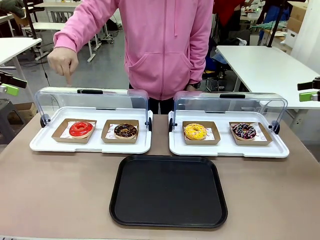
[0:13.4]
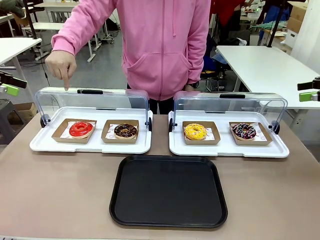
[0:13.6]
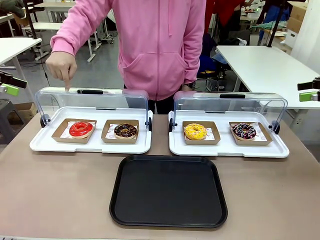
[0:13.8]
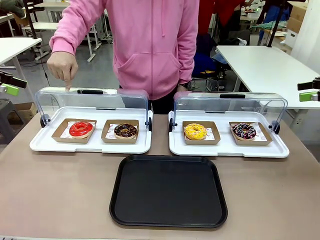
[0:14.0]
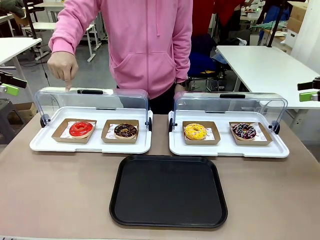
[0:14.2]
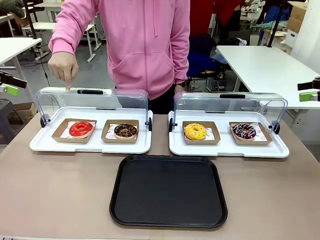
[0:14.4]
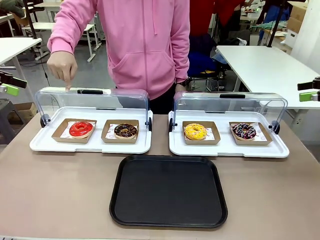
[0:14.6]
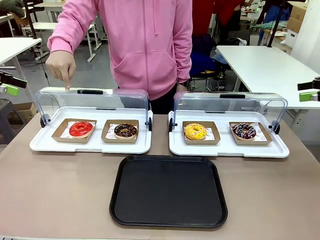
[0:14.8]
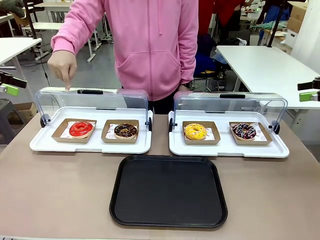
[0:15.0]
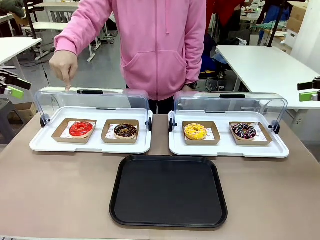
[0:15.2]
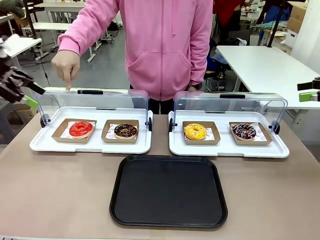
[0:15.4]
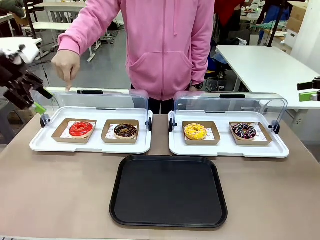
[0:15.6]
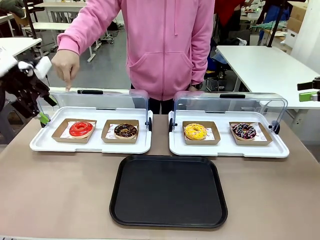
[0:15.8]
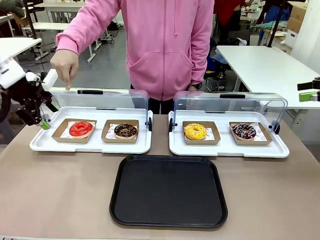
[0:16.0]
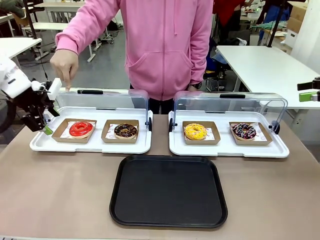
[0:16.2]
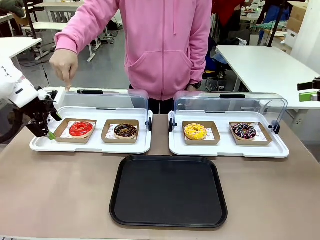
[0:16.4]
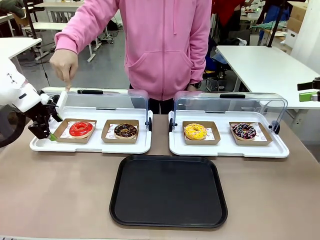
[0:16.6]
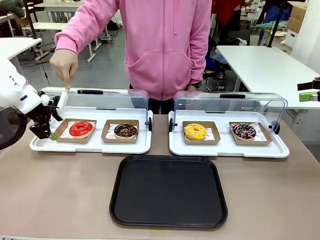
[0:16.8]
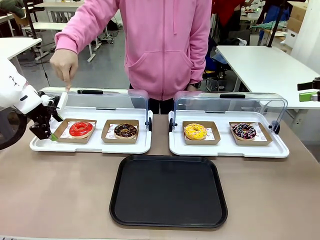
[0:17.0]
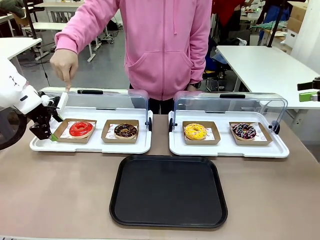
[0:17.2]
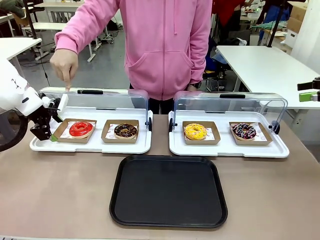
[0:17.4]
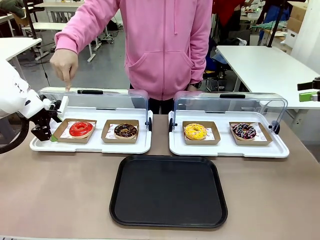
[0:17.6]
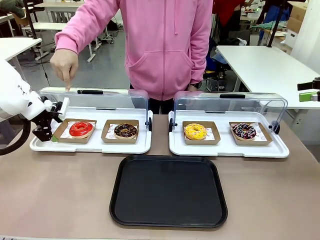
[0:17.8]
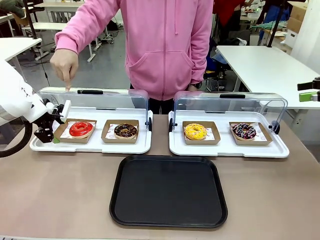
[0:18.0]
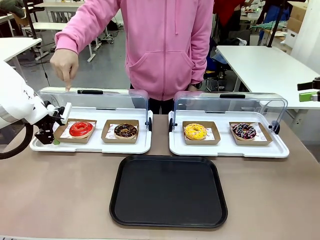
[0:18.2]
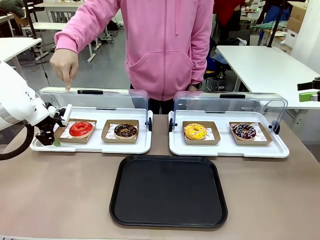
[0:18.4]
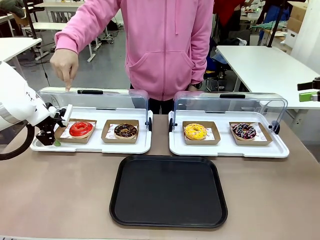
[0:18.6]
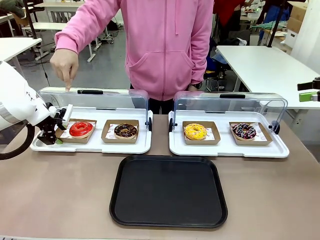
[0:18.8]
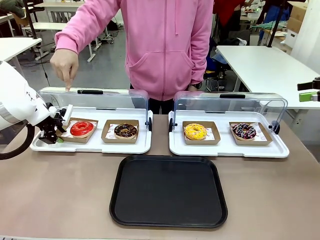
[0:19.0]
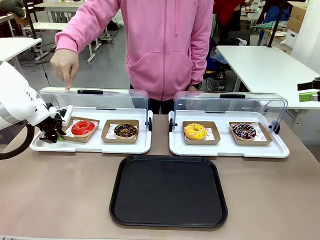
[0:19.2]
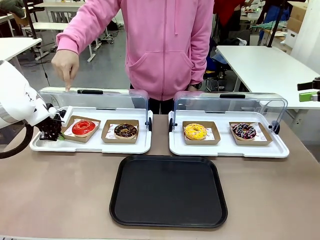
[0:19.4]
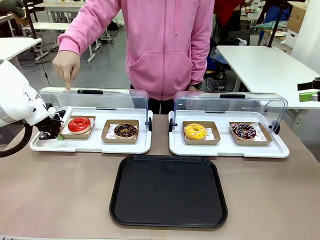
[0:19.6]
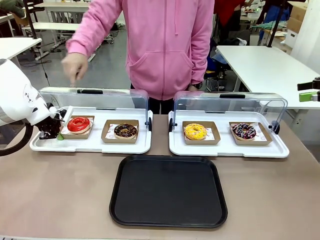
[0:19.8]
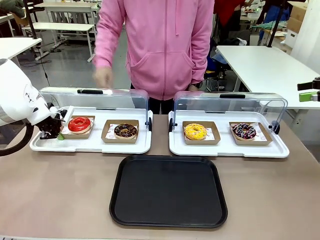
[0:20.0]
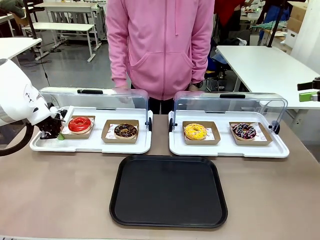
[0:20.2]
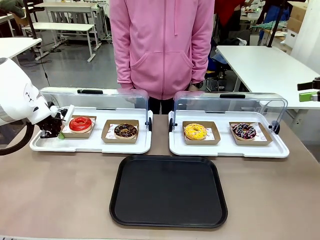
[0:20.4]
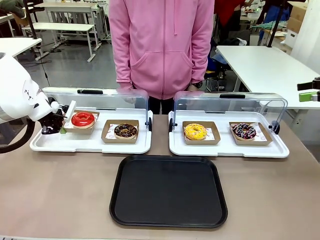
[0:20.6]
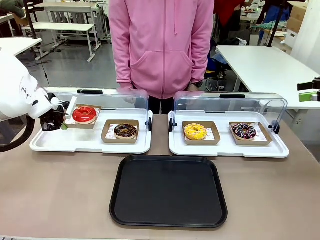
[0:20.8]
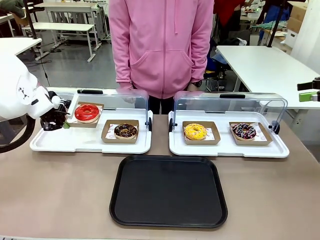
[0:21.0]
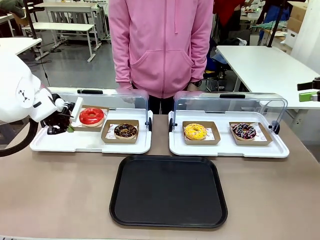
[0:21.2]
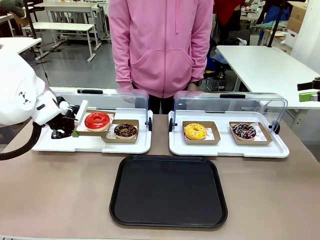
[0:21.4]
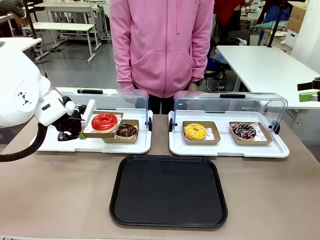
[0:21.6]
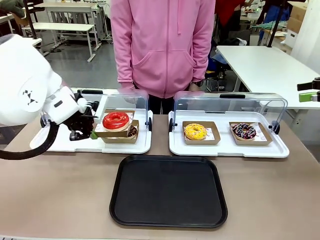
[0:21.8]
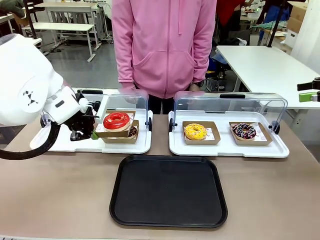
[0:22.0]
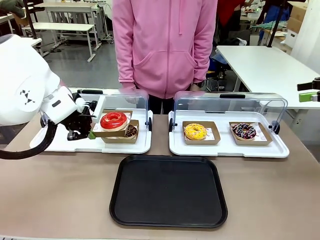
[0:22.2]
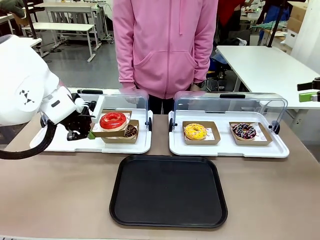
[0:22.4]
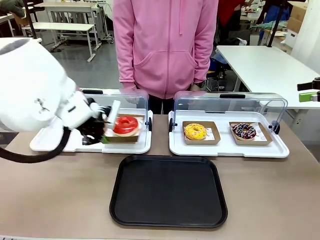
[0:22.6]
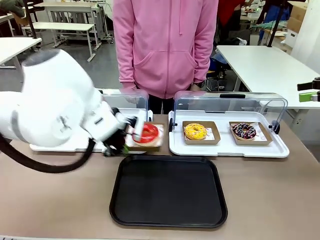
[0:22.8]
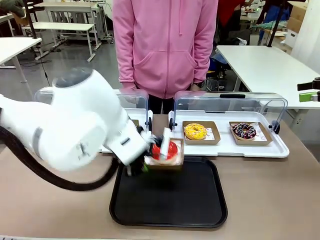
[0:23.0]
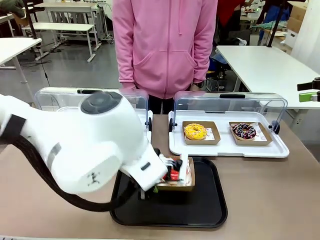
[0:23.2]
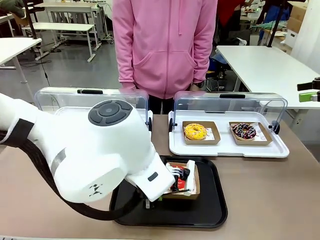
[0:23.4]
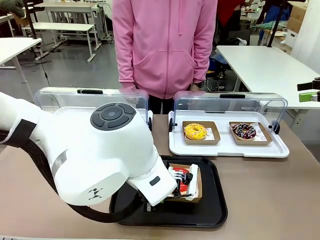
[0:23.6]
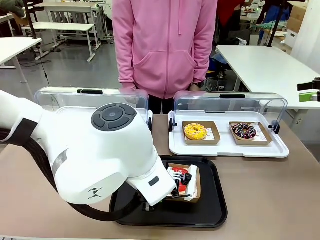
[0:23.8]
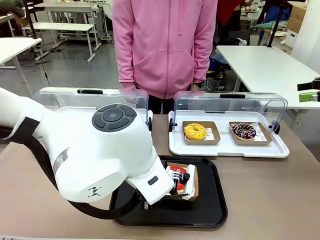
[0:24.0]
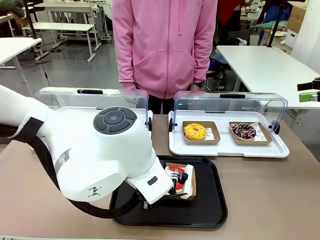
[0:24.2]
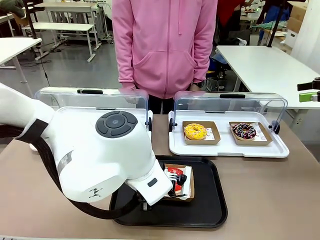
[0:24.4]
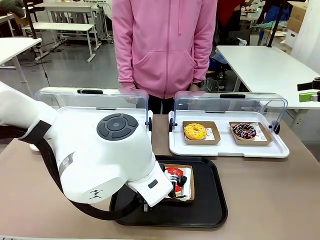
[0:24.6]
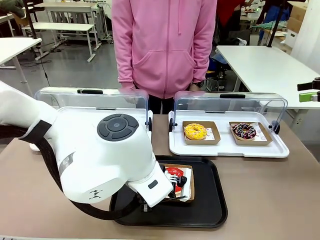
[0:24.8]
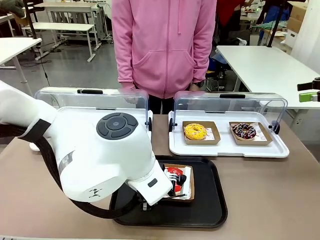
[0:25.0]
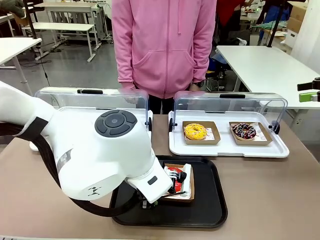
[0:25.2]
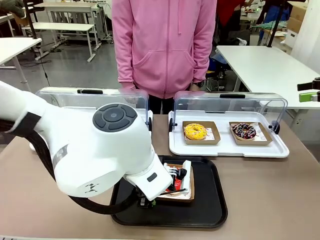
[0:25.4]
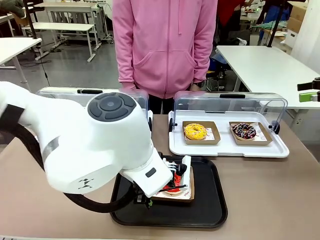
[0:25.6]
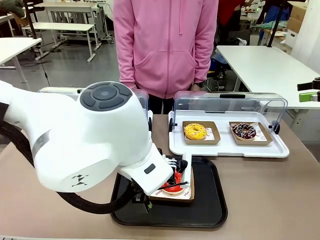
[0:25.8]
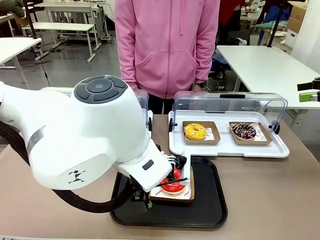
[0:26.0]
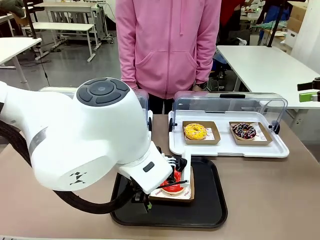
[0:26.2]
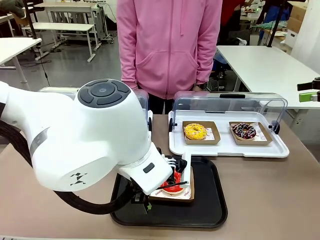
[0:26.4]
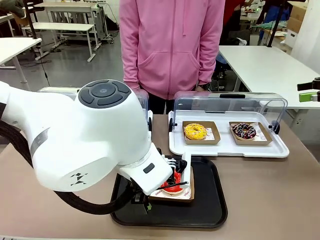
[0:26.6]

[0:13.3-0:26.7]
Task: Move the first donut from the left to the tray.
Robot: Pick up the Paper togo box containing the Donut indicated by the person and place it on the Handle tray.
Person: Points to the first donut from the left from the robot’s perspective.
